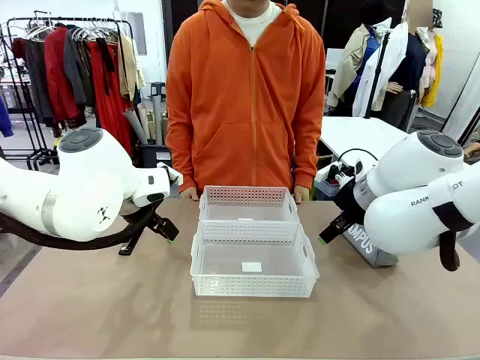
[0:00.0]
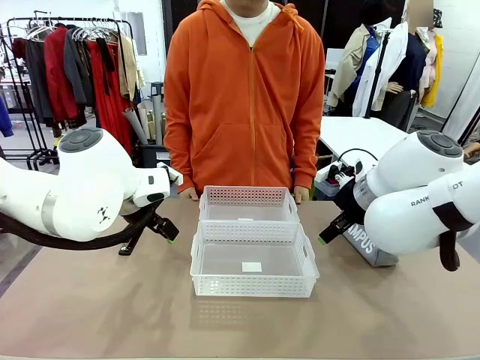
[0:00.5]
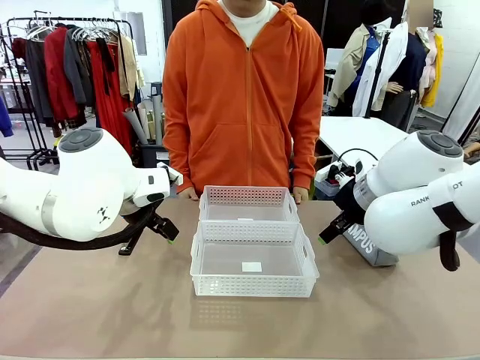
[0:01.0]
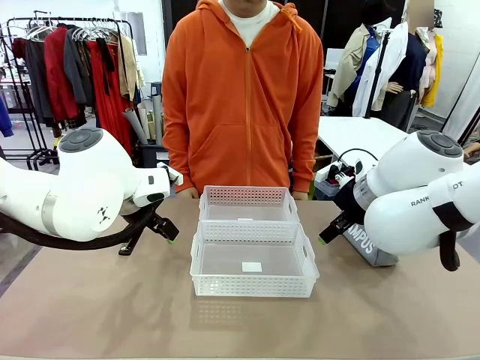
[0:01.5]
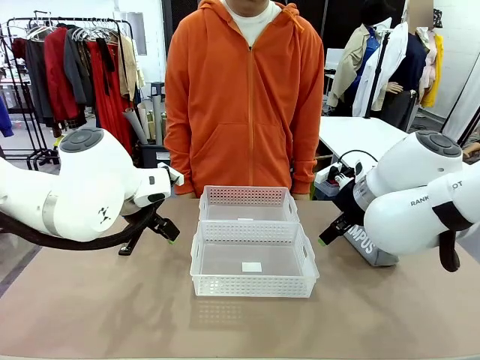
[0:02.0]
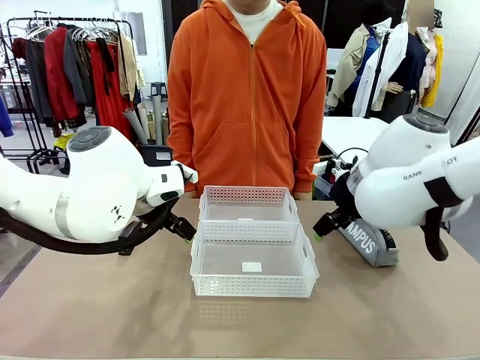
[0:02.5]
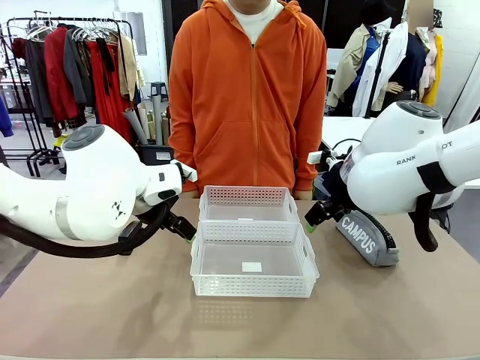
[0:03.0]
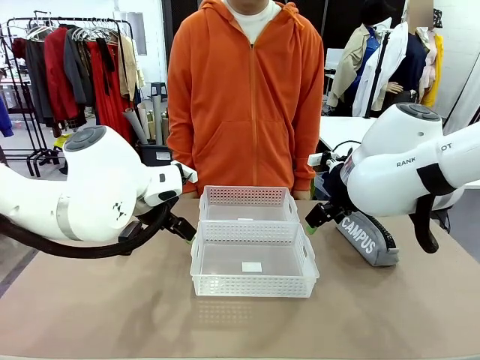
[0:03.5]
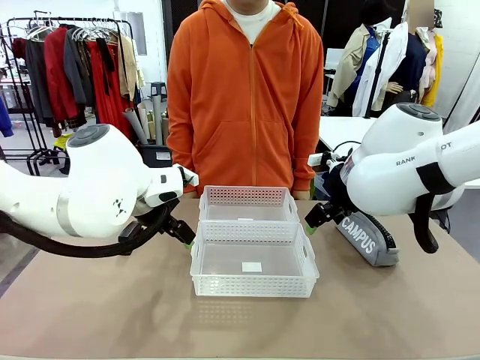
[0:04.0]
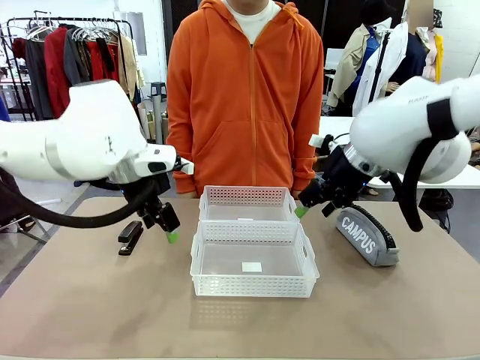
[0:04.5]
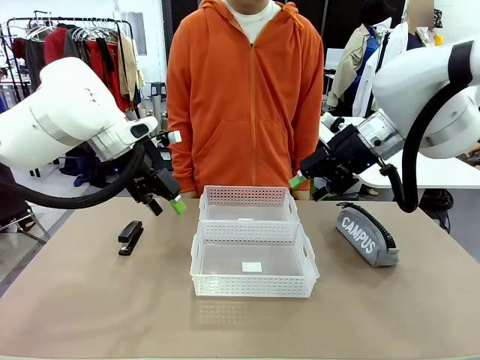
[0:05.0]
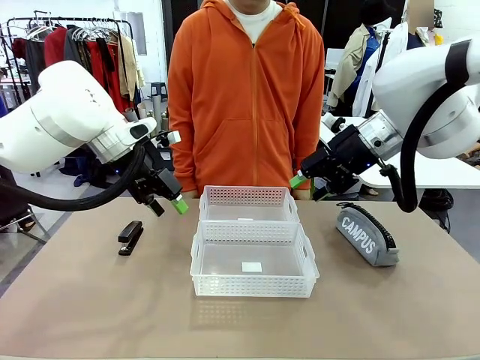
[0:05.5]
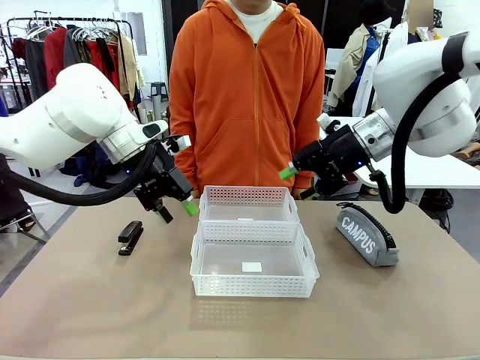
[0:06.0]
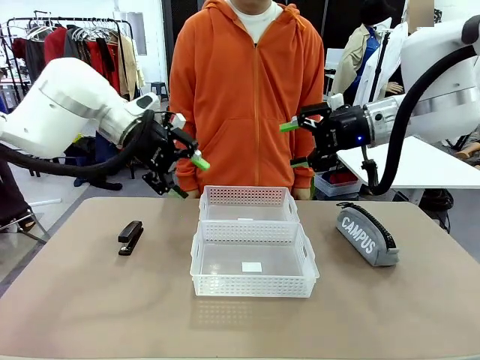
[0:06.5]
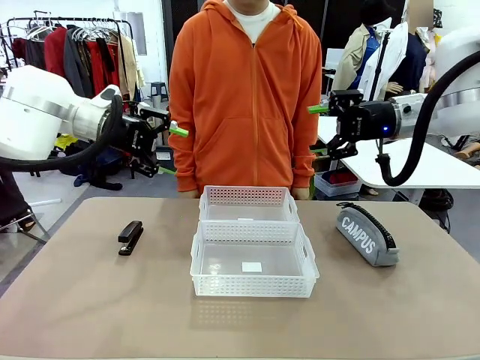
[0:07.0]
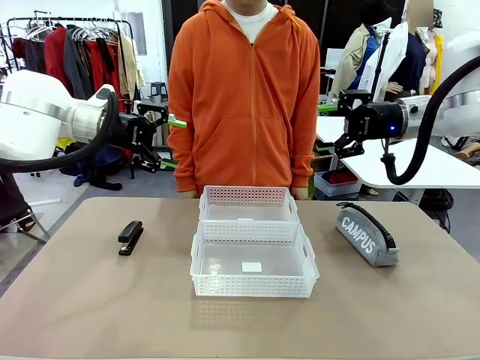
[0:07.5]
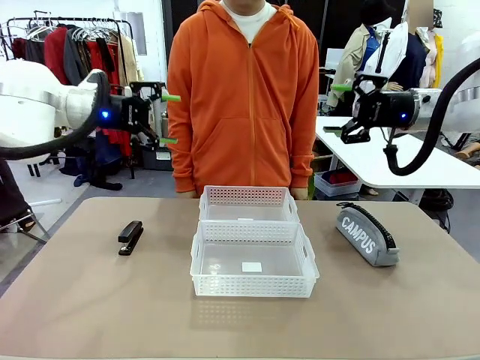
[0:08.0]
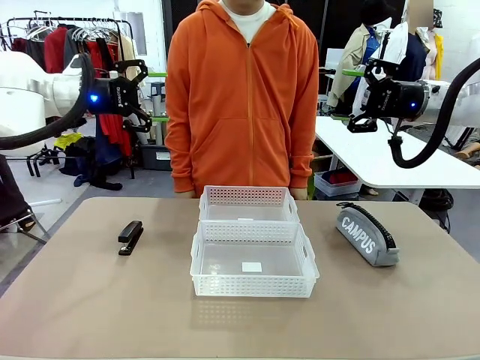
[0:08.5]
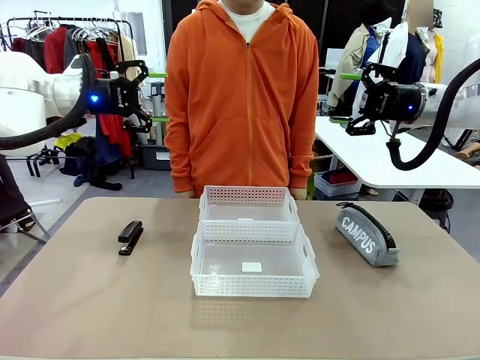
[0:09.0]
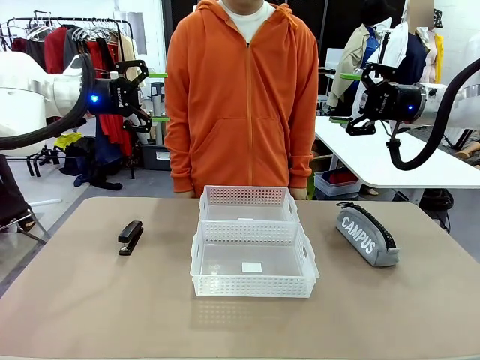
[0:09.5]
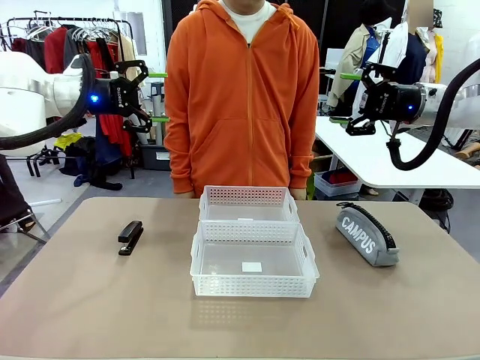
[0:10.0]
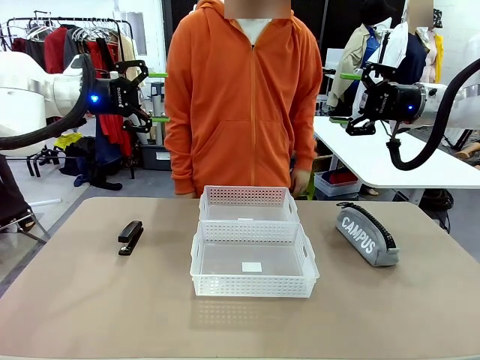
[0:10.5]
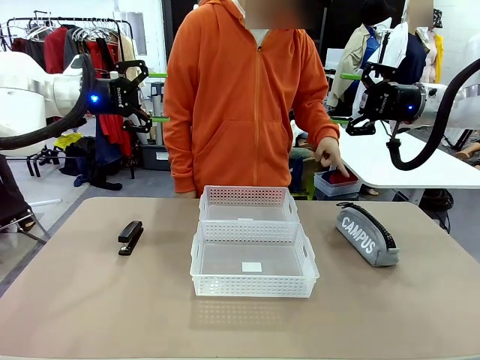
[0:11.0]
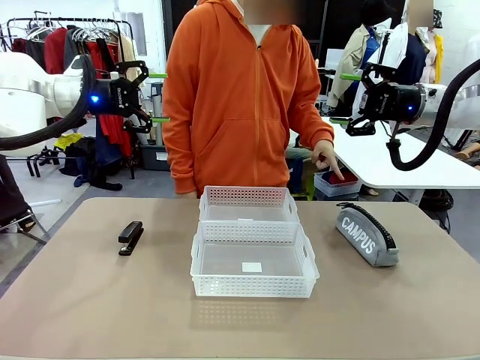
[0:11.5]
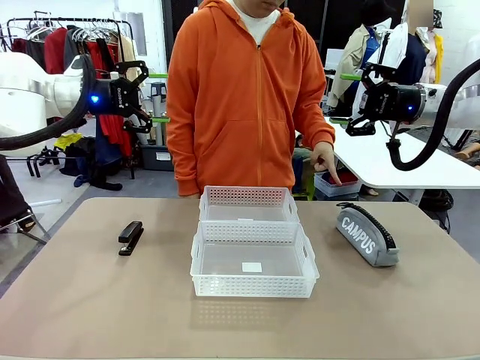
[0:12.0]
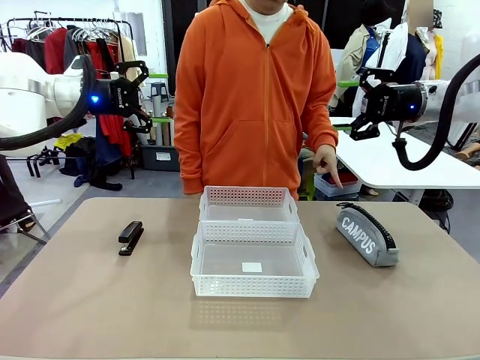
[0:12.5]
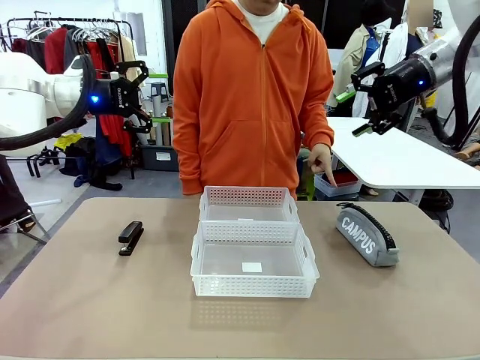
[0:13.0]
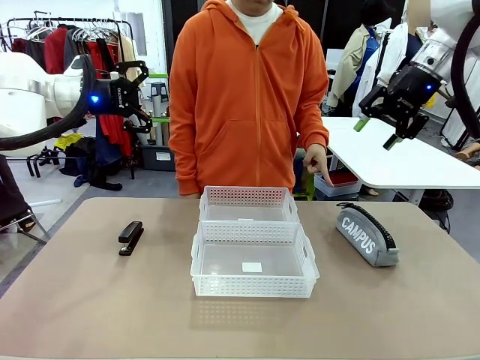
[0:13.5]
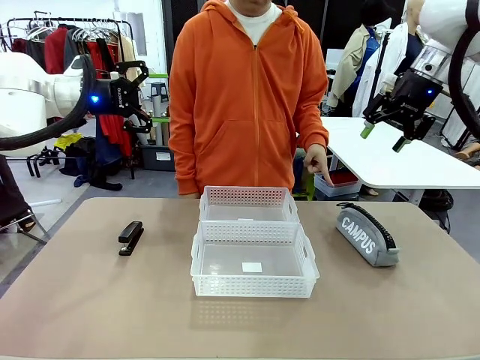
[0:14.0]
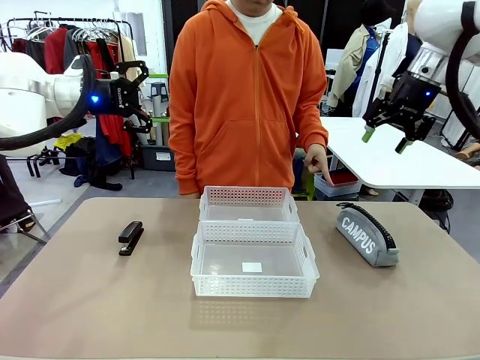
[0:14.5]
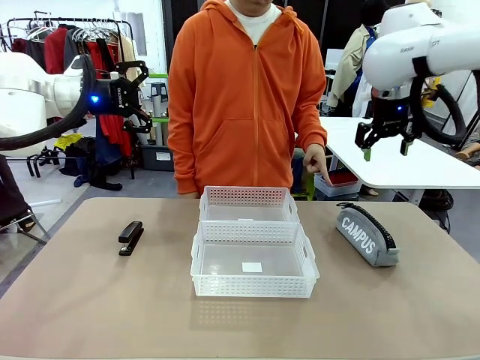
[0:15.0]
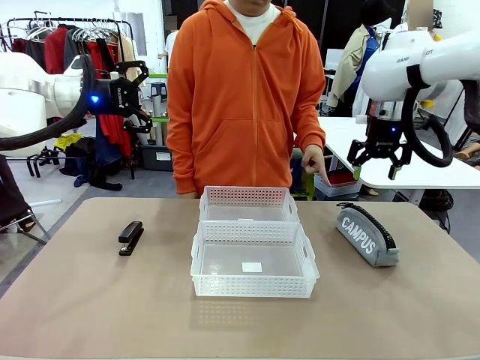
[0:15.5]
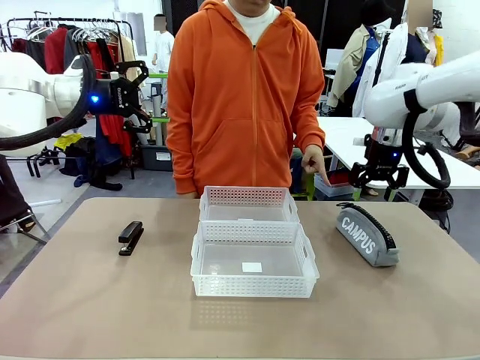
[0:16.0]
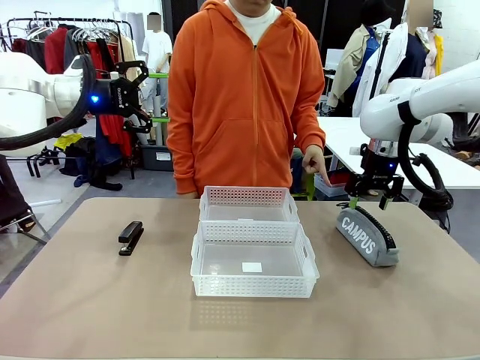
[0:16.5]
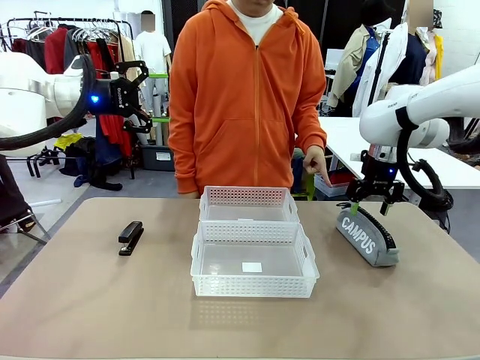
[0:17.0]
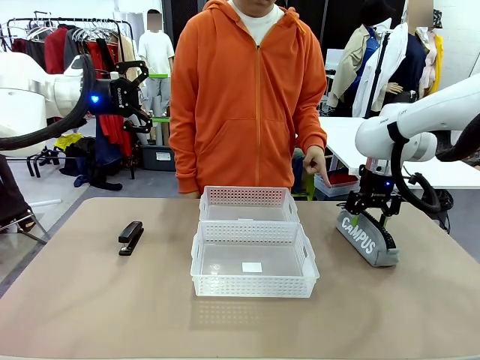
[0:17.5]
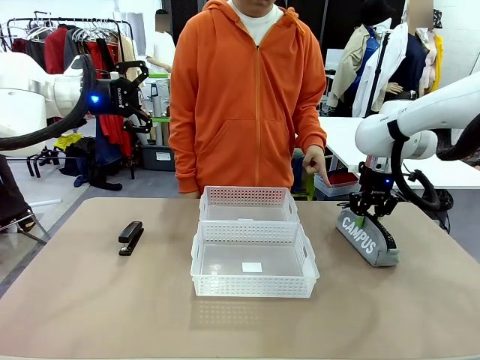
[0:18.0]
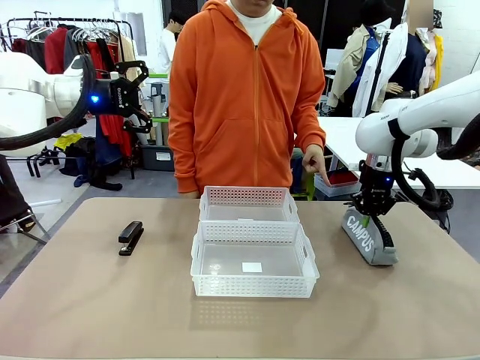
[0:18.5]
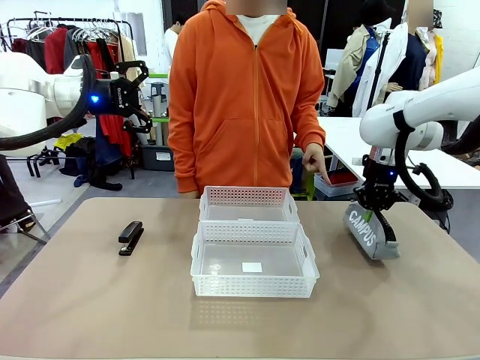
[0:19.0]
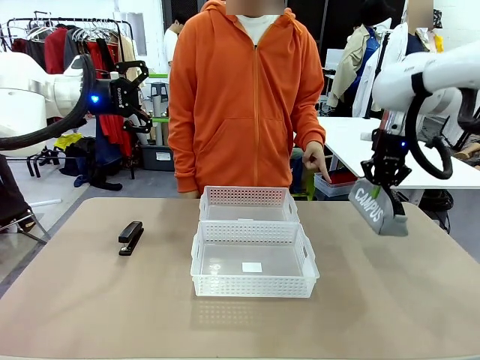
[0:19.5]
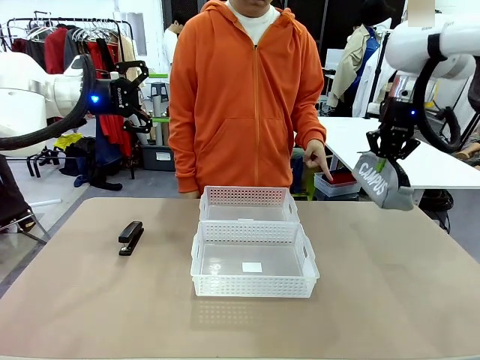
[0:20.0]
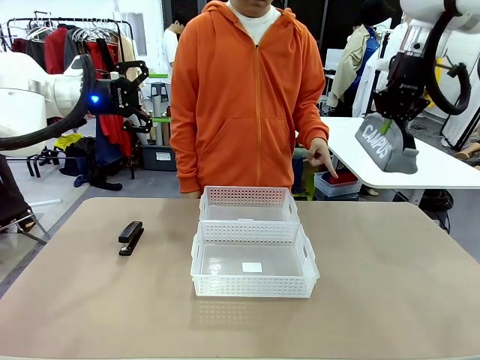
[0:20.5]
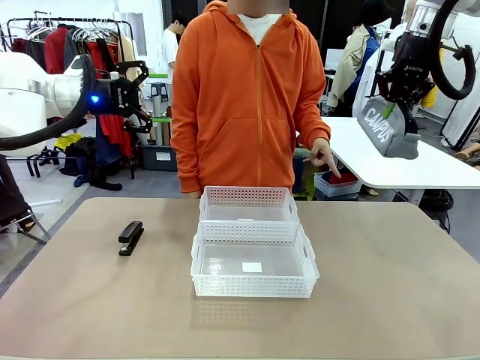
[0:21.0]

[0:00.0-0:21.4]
Task: Distribute items into two baskets.
Robot: Pick up the Pencil pouch that the person points to.
Person: Points to the pencil case. Points between the two organizing baskets and instructs the robot to move the pencil case.

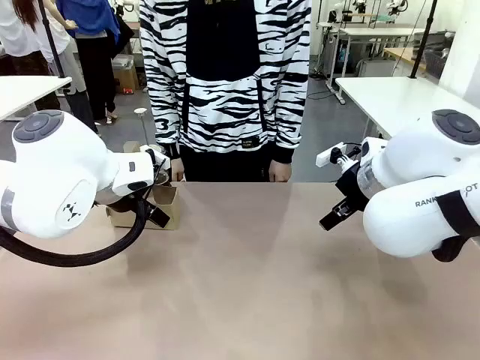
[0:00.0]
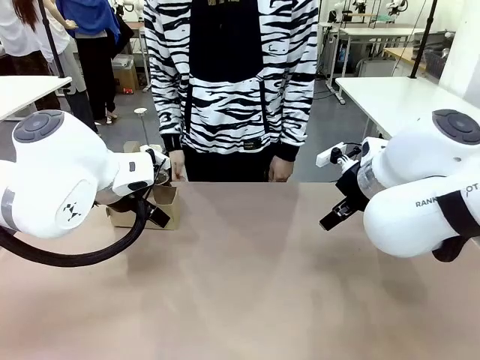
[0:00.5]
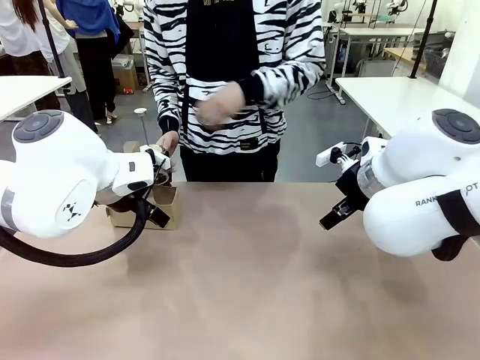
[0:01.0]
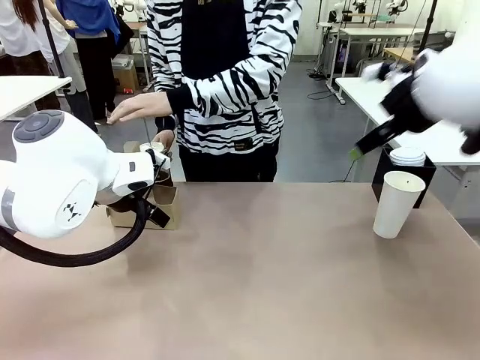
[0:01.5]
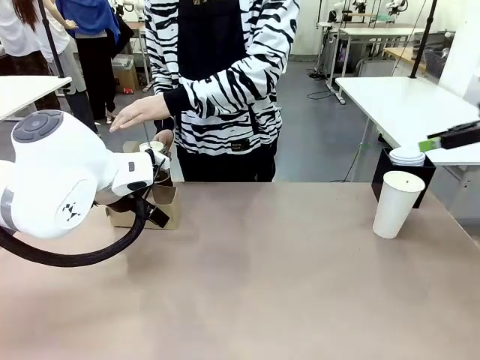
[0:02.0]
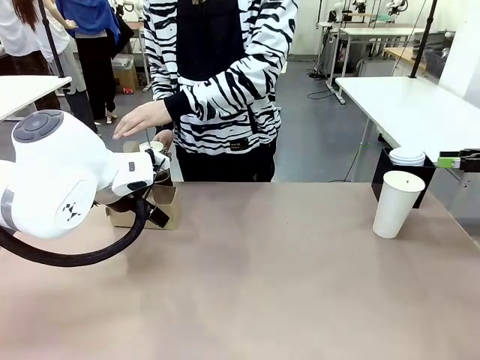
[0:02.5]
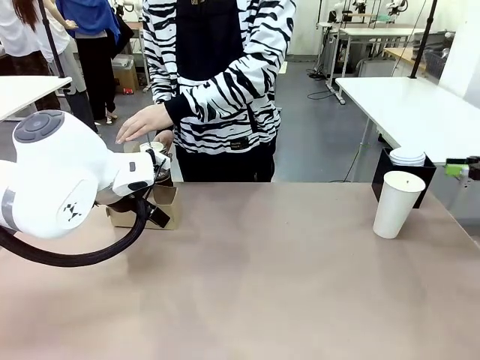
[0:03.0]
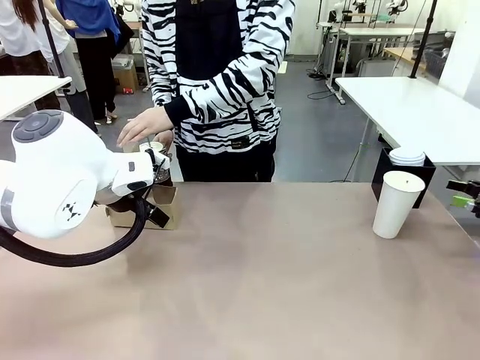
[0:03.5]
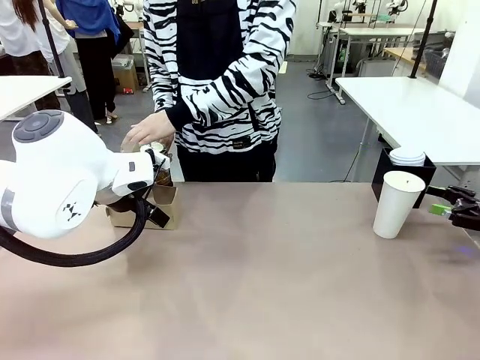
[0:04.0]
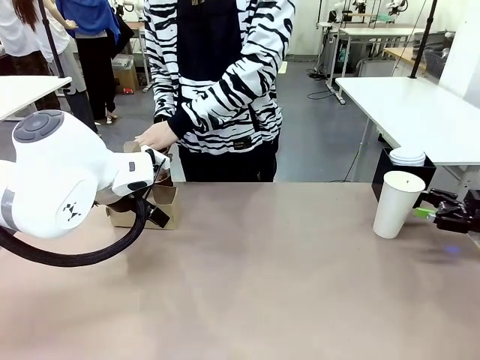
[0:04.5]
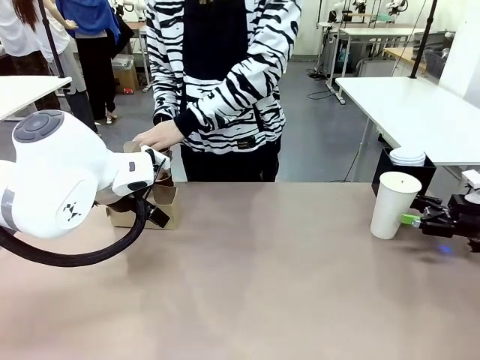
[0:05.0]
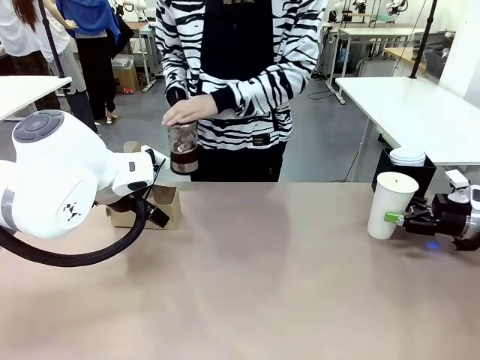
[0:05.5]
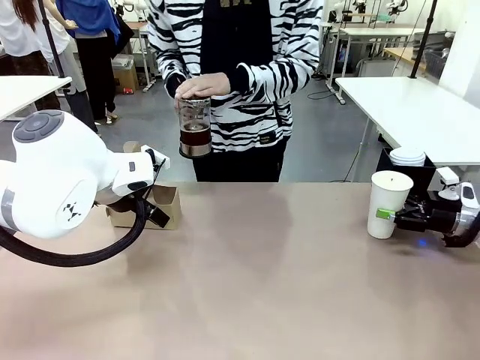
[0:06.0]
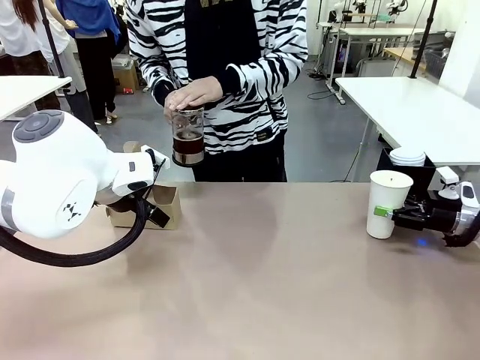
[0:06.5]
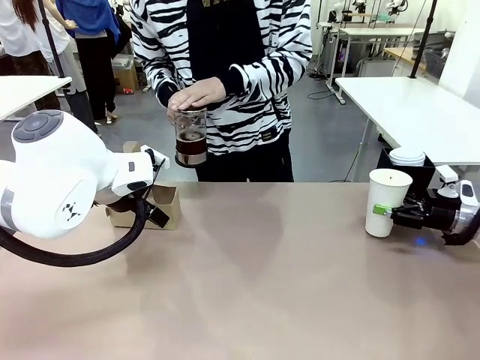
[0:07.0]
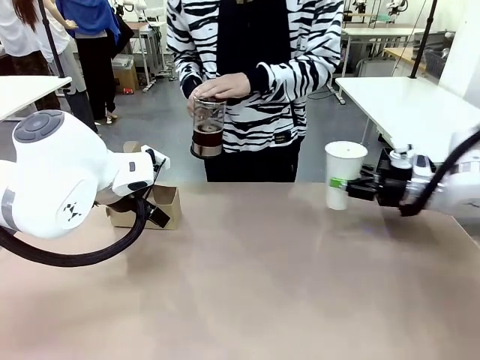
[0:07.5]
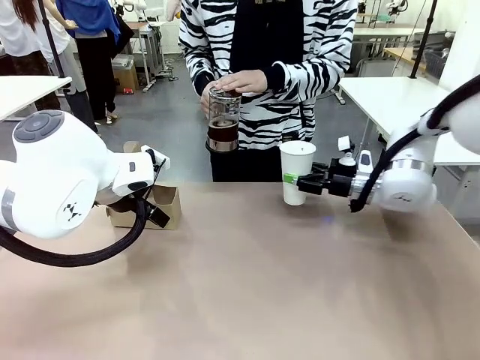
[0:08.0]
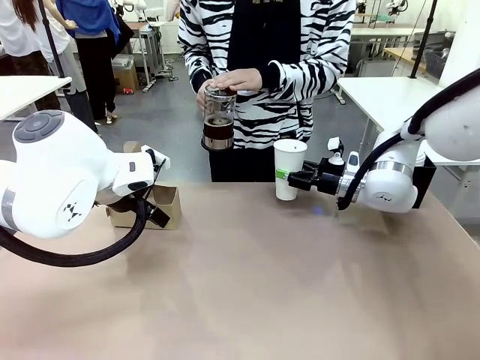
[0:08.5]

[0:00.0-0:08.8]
Task: Pour a drink into a cup and package it in a carrier.
Robot: Pick up the 600 ml Paper Cup and place it in the middle top area of the table.
Person: Press and pick up the Filter Brewing.
